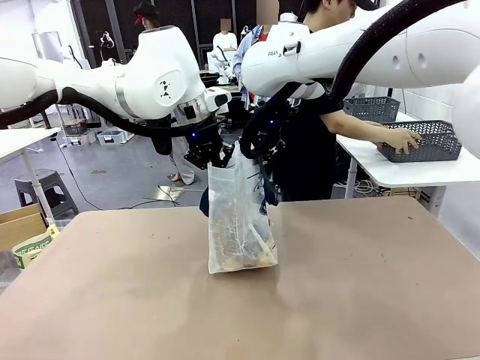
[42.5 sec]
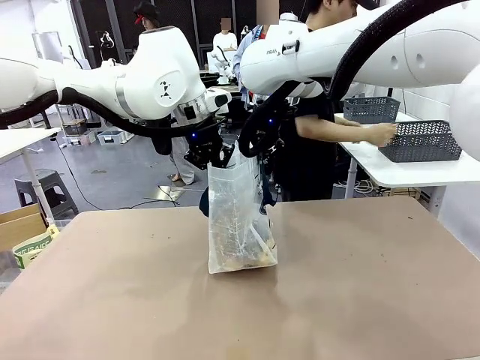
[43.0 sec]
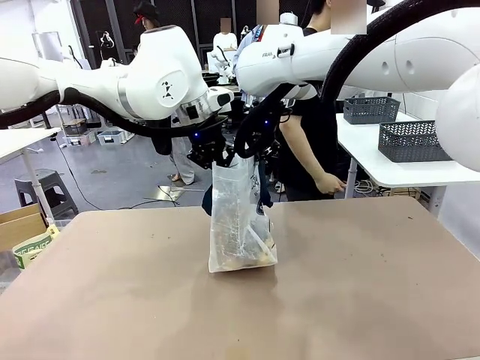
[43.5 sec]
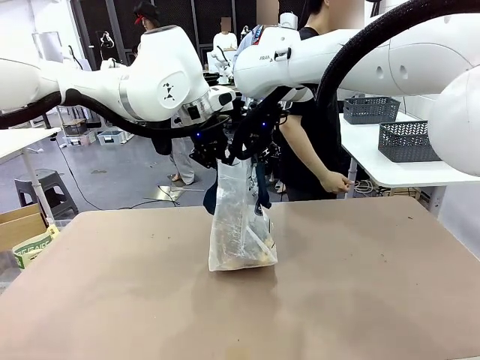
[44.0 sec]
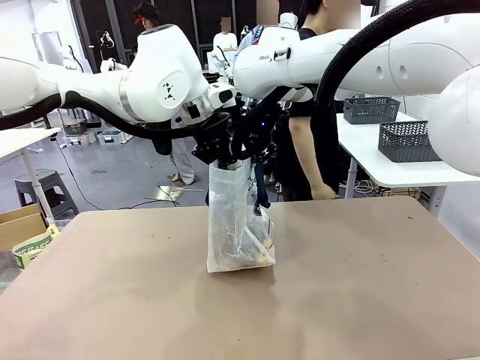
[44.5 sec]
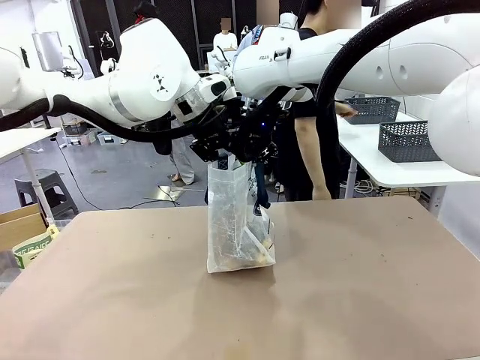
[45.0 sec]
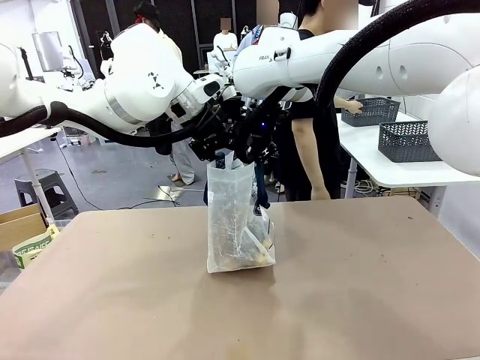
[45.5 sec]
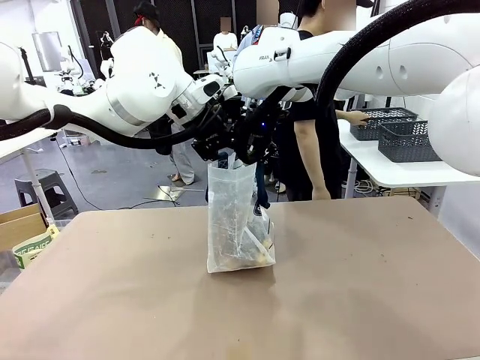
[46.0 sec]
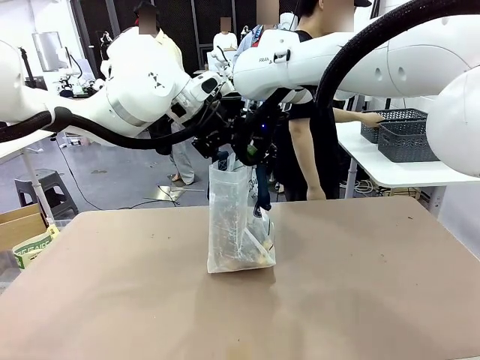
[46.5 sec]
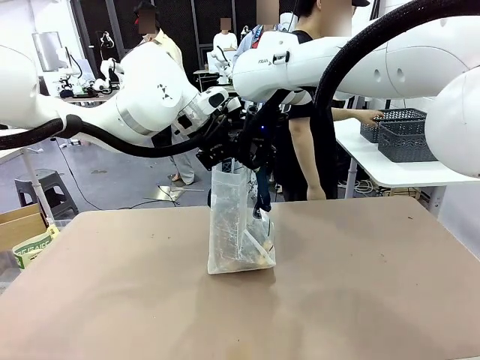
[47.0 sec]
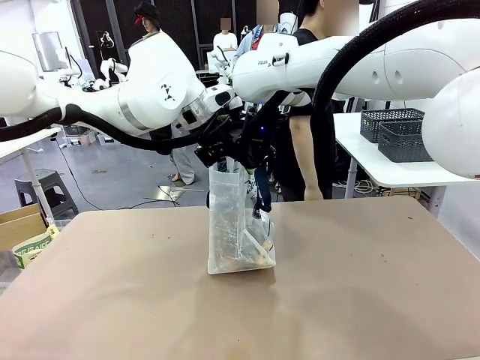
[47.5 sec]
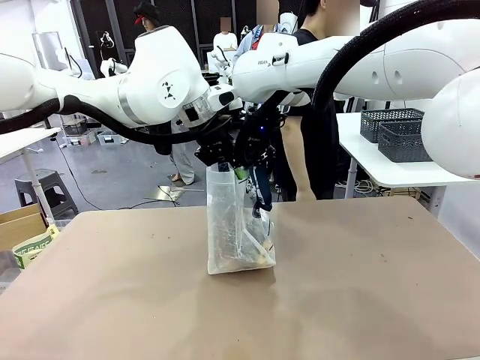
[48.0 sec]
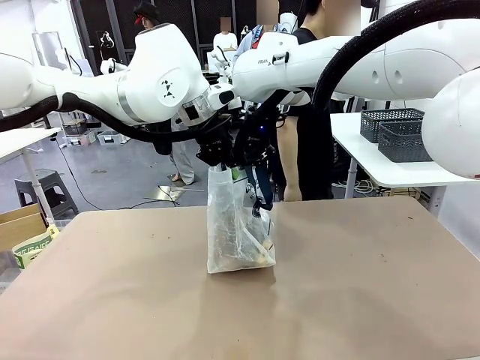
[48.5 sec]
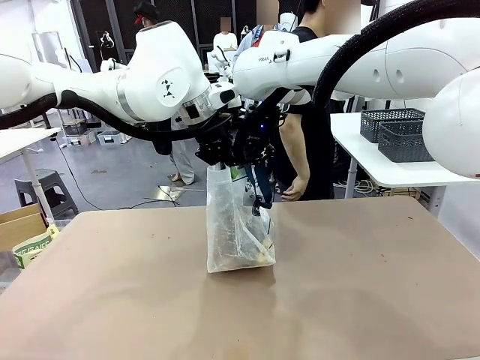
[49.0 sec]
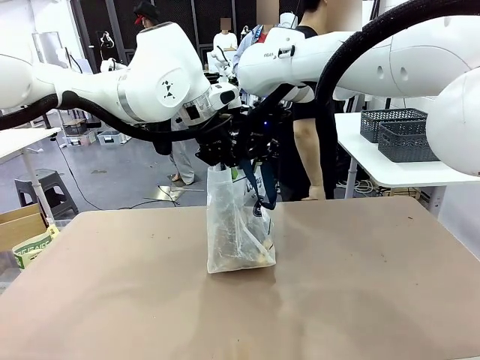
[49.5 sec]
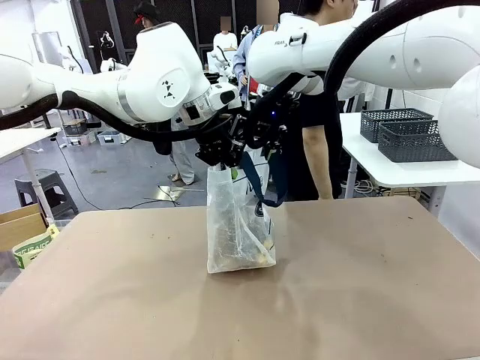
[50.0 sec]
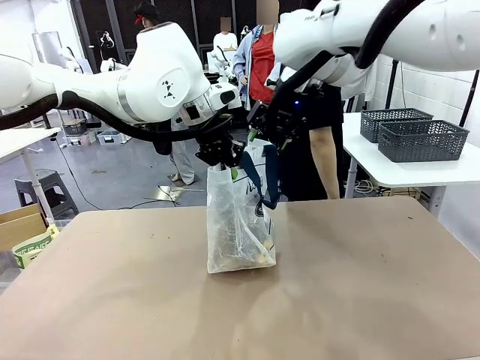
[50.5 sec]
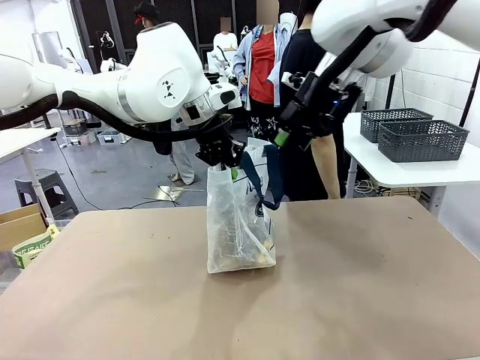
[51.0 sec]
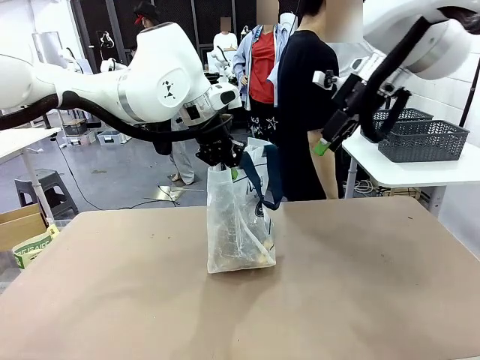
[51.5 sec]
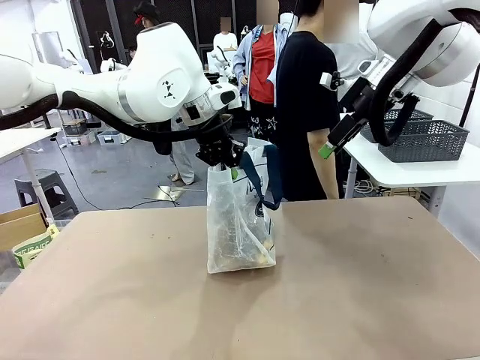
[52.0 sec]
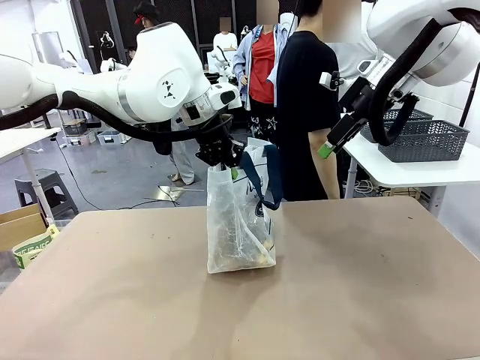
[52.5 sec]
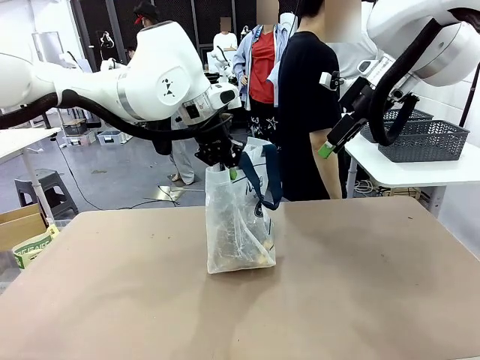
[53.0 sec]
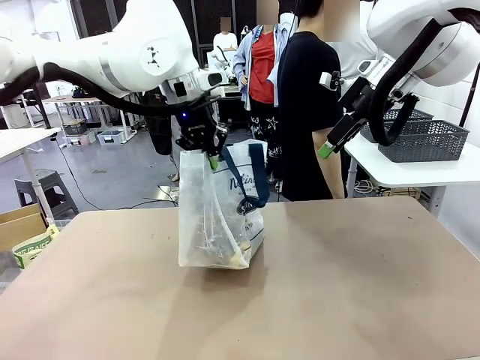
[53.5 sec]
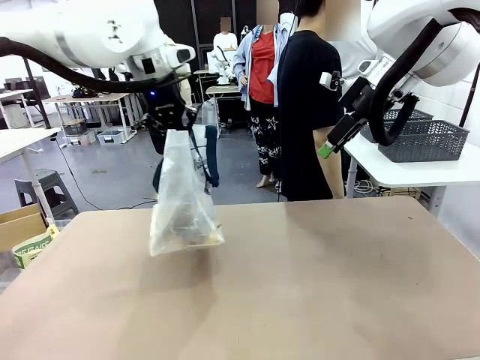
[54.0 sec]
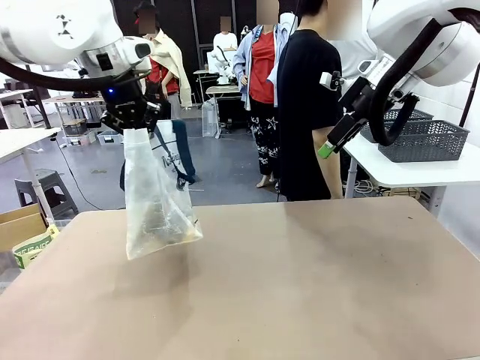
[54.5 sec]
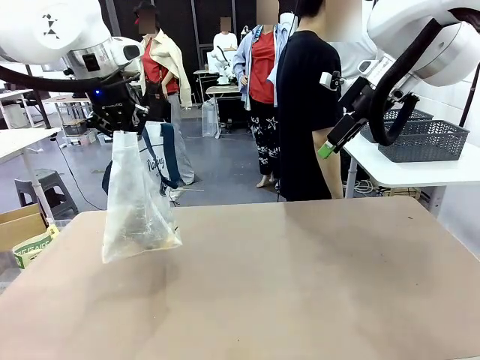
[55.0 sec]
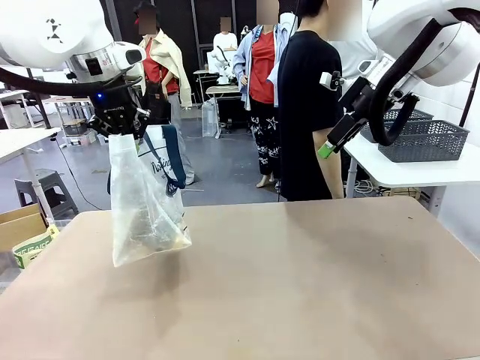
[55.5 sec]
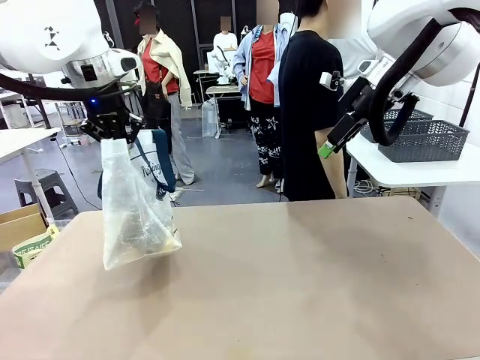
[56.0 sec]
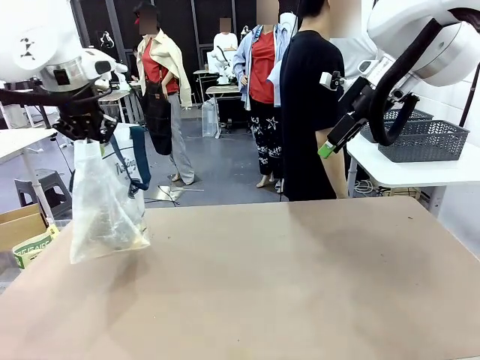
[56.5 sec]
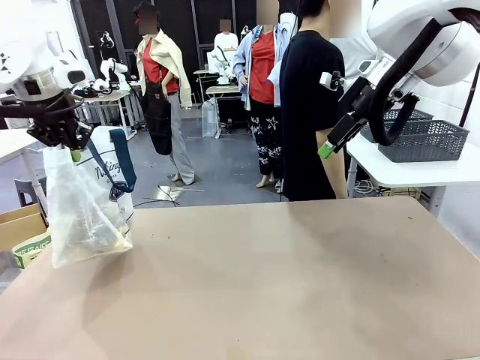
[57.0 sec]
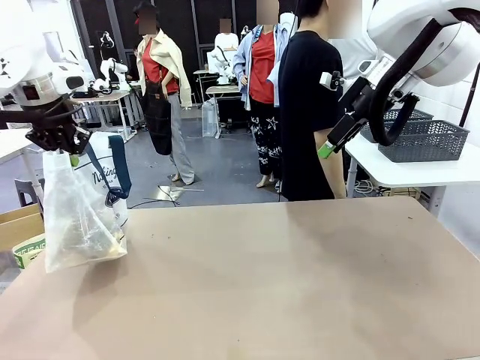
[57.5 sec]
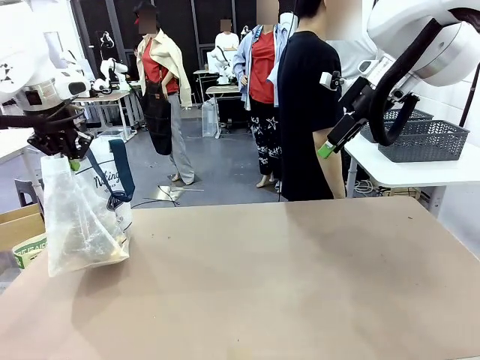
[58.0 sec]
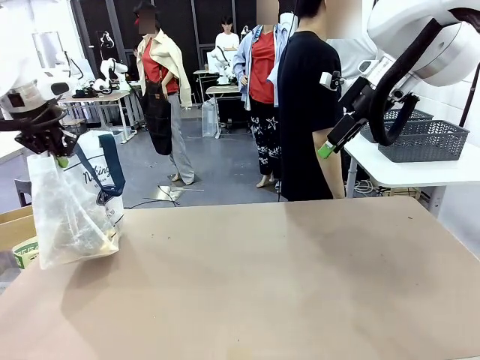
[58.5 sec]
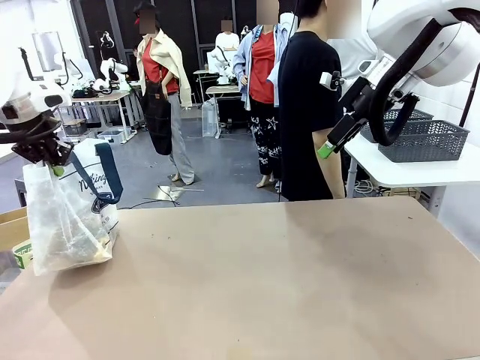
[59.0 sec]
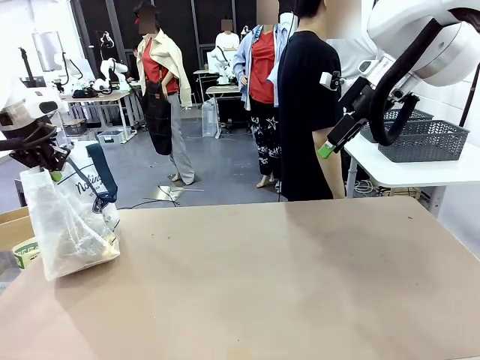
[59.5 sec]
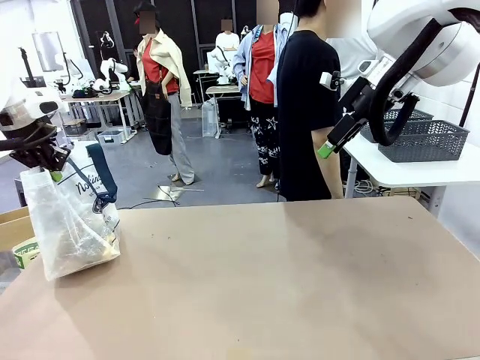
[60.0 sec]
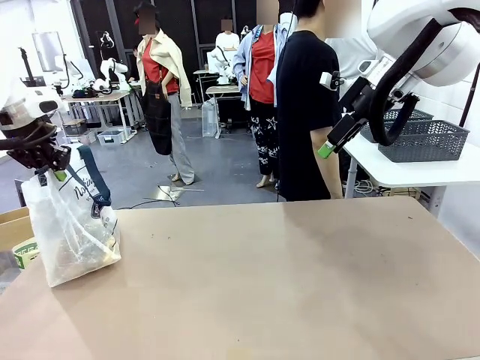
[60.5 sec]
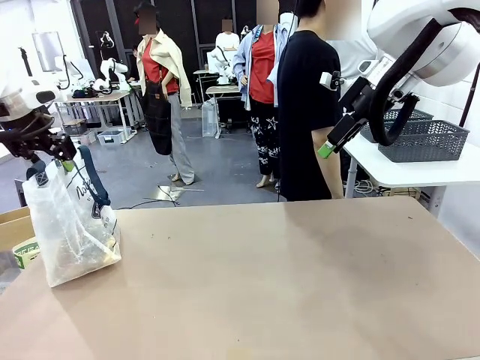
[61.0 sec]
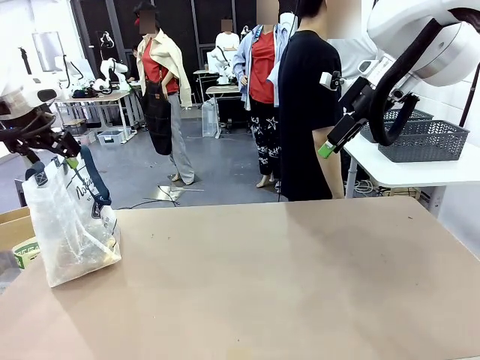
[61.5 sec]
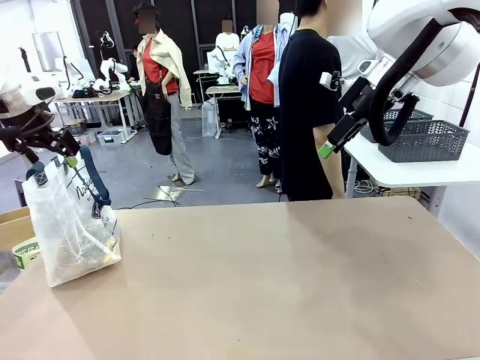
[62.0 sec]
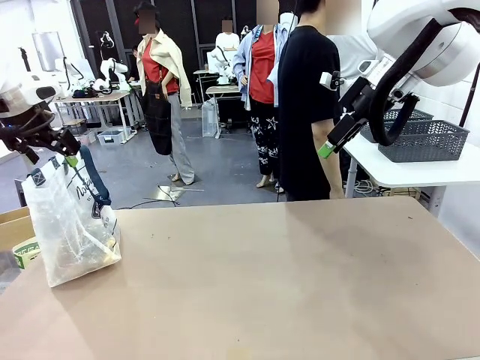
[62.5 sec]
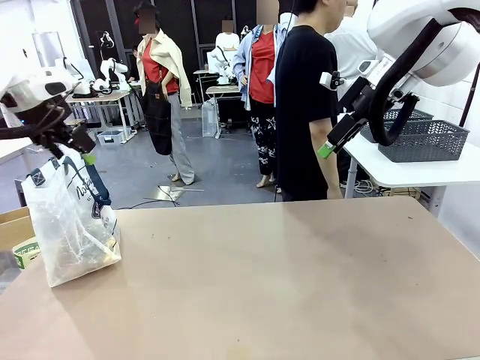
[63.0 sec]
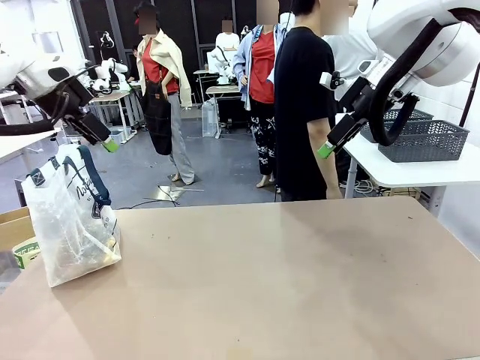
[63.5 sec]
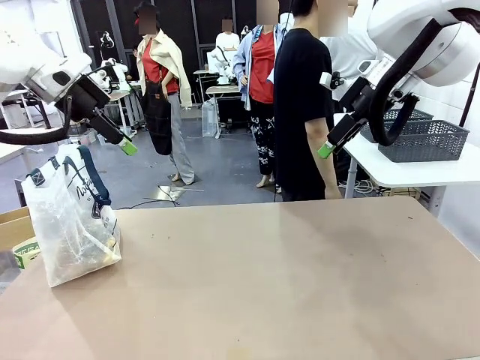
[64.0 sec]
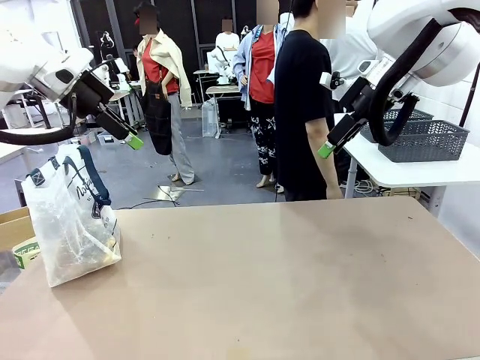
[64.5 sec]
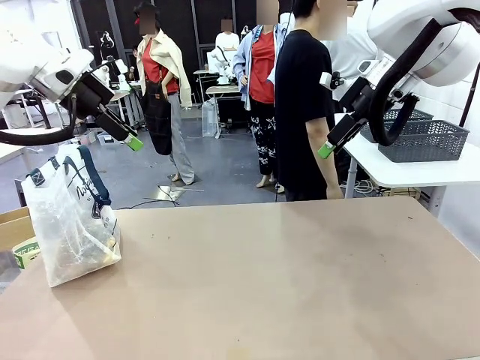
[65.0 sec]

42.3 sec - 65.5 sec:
Task: Transfer purchased items from the store into the shopping bag.
Robot: Move the Reusable shopping bag to the right side of the table.
Person: Move the basket on the left to the middle of the person's table.

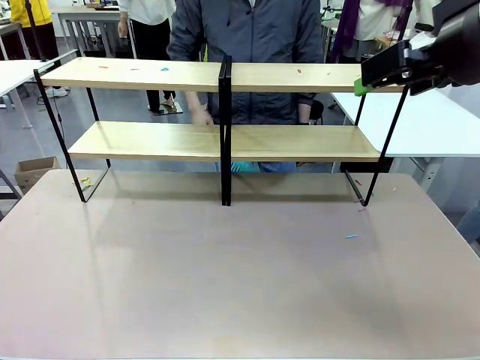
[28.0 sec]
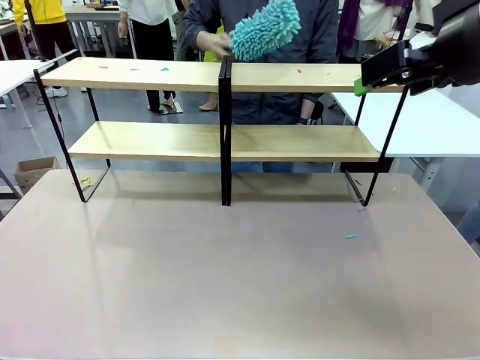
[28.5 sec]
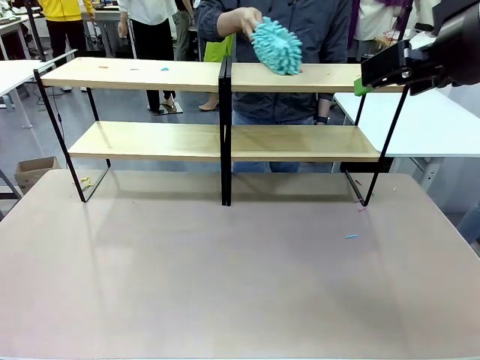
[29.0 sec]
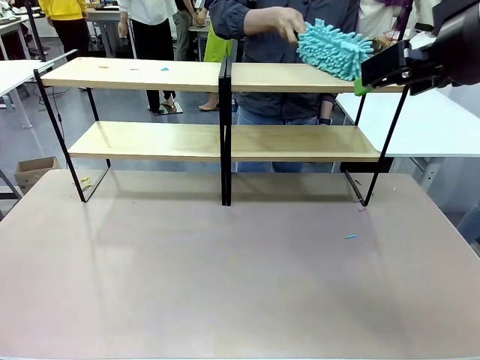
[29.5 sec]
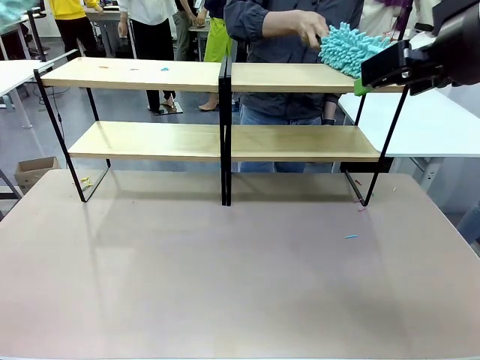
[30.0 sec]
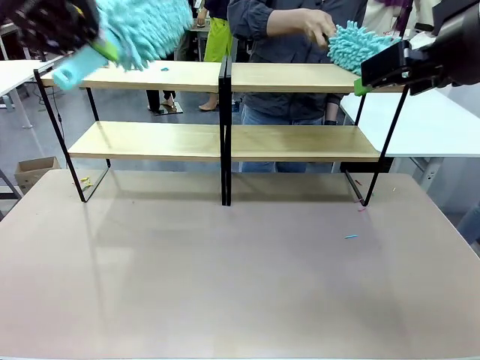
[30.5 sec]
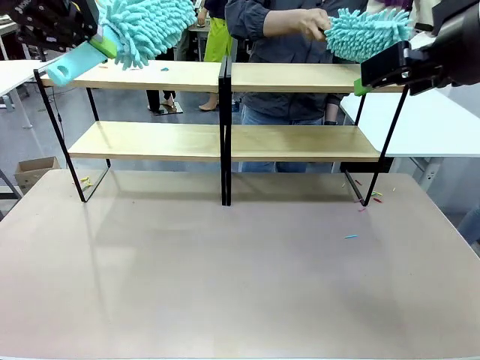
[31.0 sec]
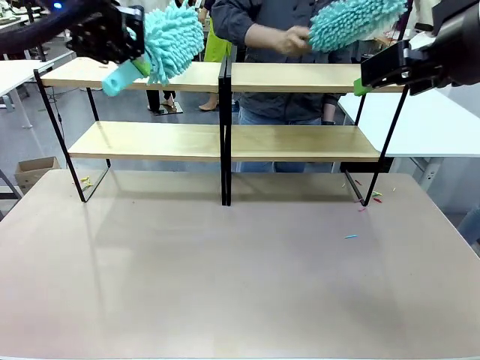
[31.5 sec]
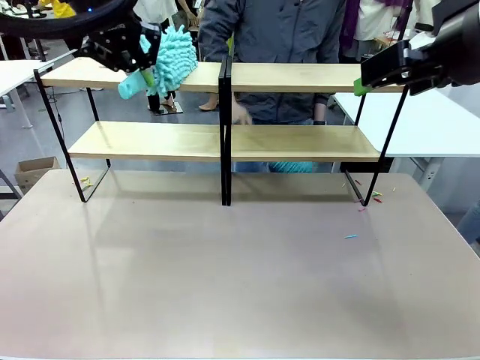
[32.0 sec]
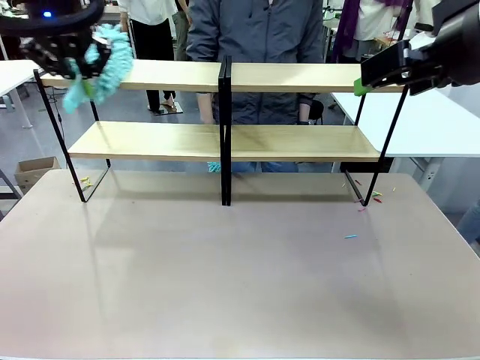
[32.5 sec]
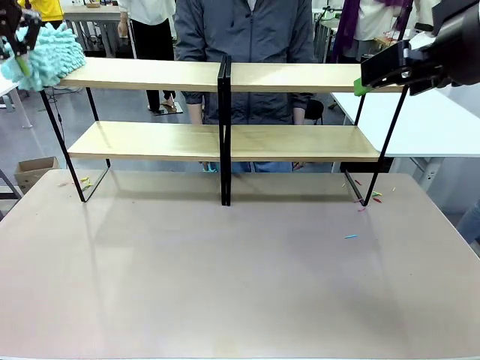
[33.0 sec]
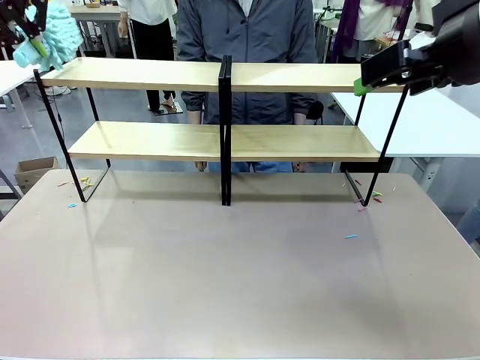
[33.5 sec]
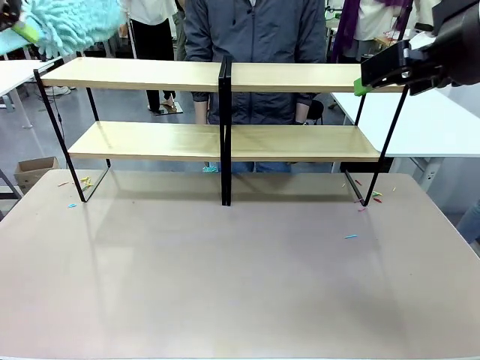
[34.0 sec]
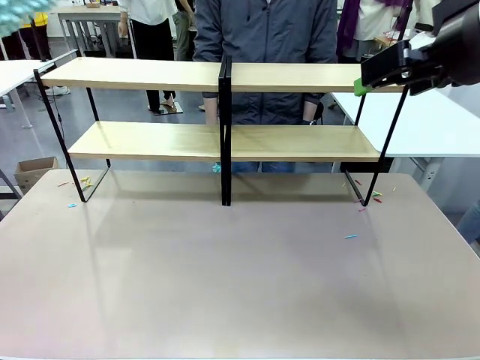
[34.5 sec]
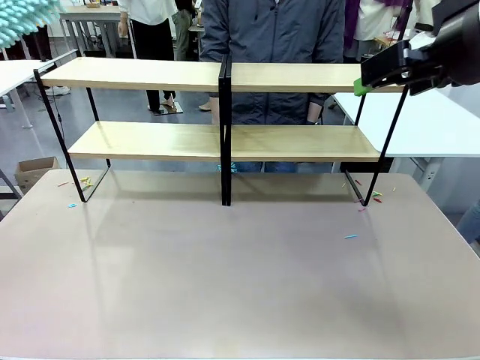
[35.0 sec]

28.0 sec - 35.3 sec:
Task: Clean the shelves.
Robot: Clean another randomly selected level of the Shelf with the Duster.
